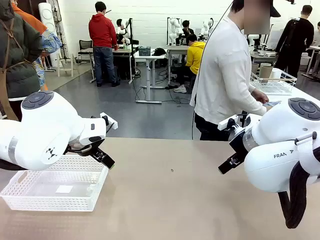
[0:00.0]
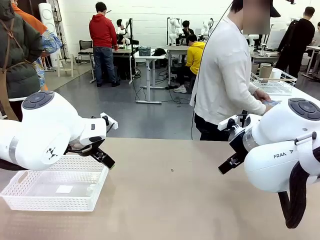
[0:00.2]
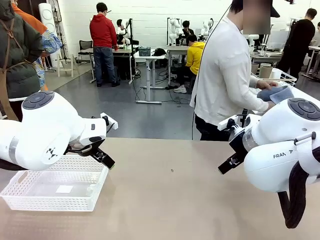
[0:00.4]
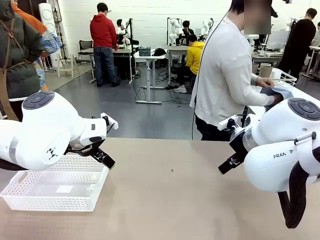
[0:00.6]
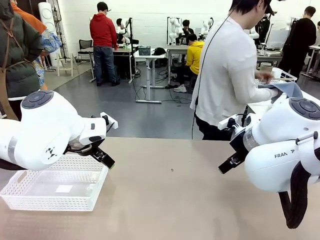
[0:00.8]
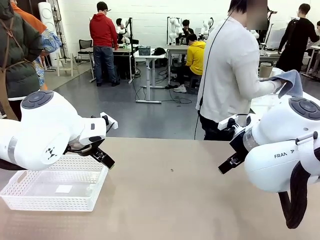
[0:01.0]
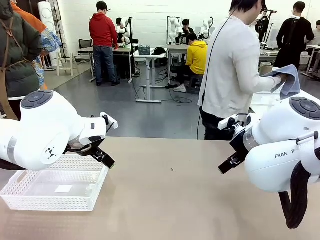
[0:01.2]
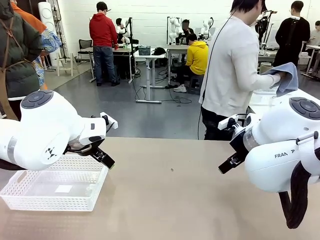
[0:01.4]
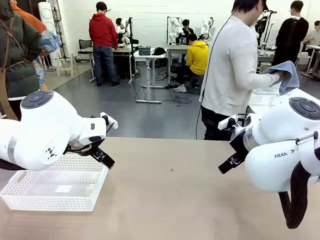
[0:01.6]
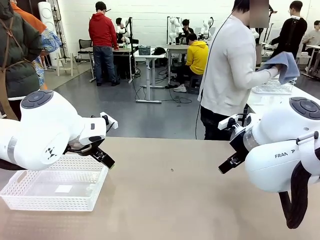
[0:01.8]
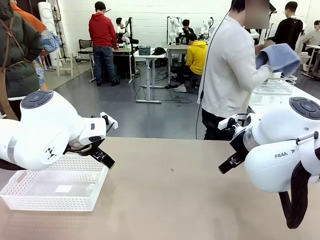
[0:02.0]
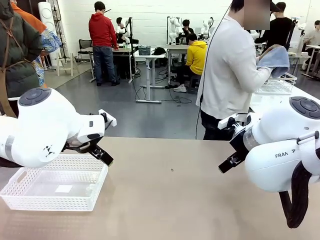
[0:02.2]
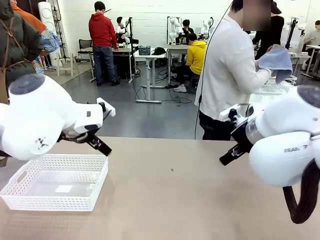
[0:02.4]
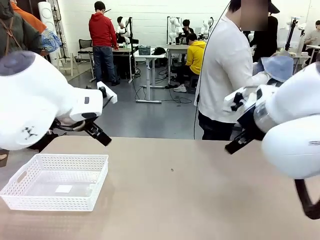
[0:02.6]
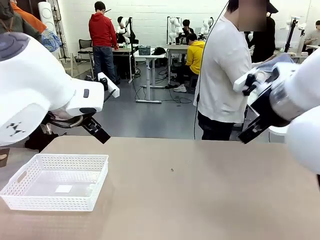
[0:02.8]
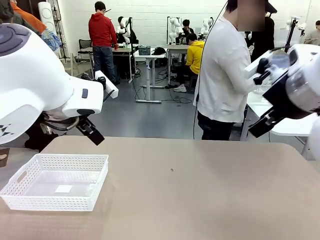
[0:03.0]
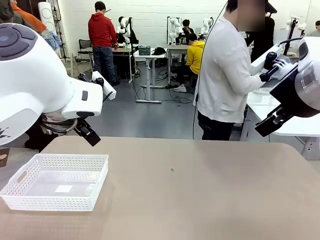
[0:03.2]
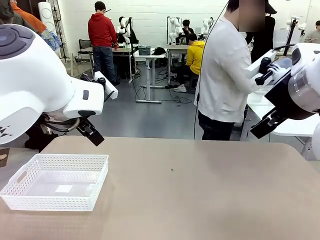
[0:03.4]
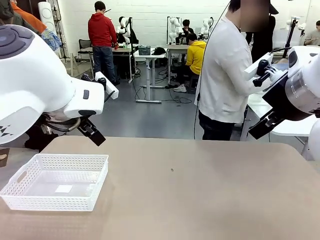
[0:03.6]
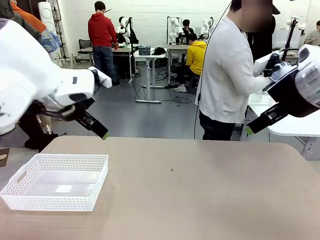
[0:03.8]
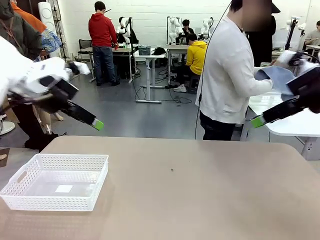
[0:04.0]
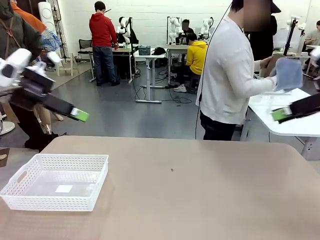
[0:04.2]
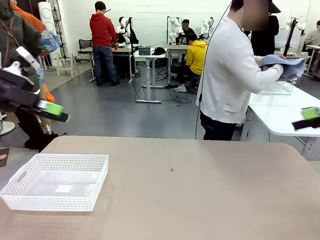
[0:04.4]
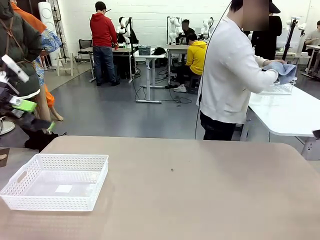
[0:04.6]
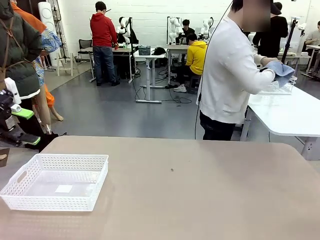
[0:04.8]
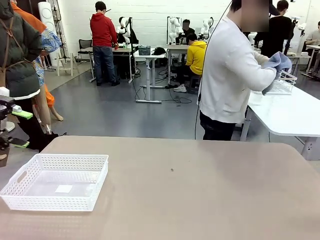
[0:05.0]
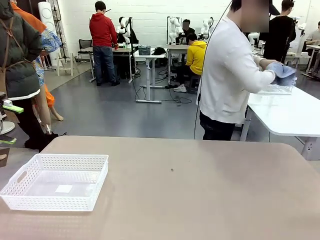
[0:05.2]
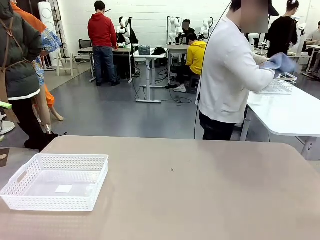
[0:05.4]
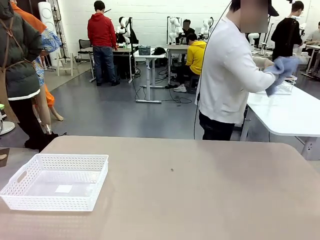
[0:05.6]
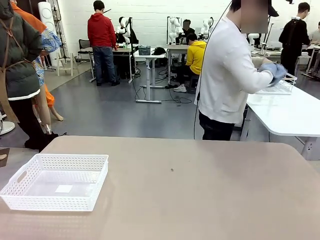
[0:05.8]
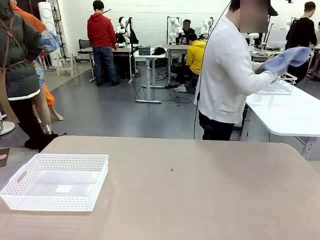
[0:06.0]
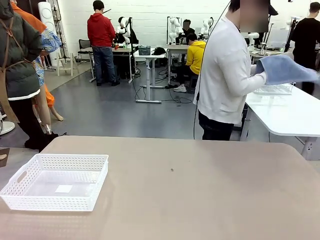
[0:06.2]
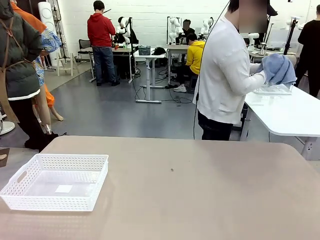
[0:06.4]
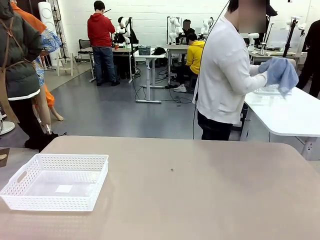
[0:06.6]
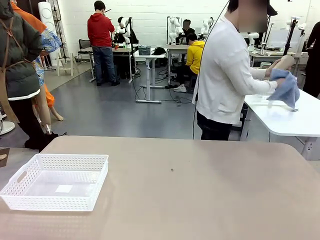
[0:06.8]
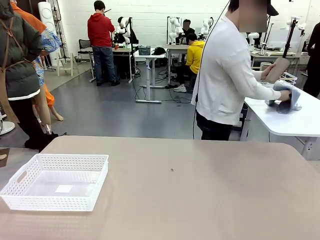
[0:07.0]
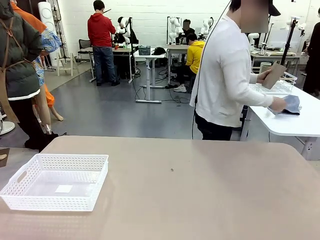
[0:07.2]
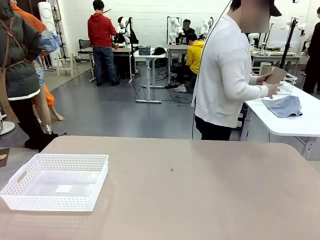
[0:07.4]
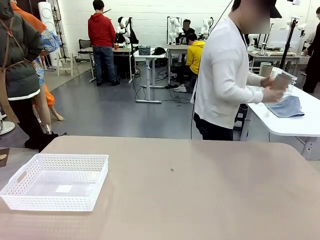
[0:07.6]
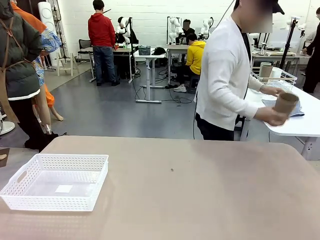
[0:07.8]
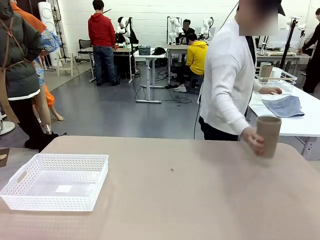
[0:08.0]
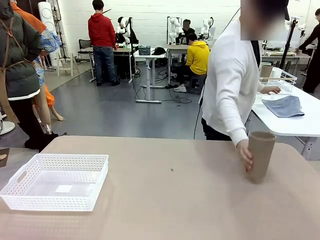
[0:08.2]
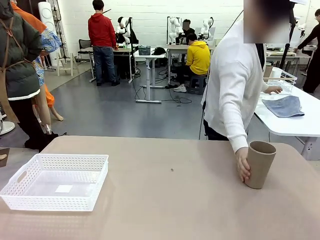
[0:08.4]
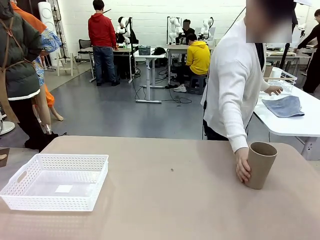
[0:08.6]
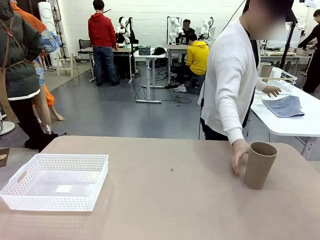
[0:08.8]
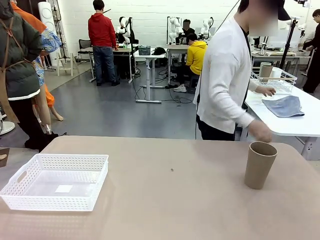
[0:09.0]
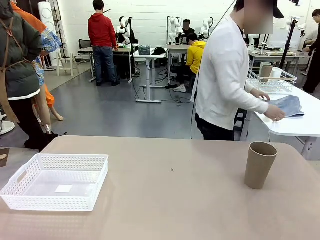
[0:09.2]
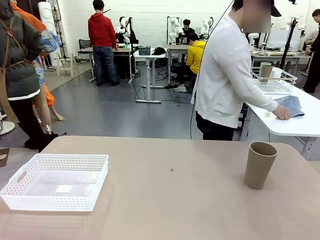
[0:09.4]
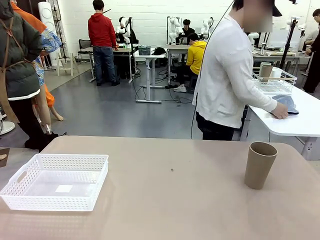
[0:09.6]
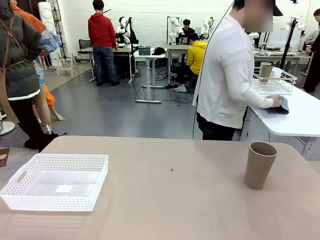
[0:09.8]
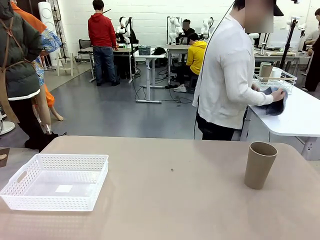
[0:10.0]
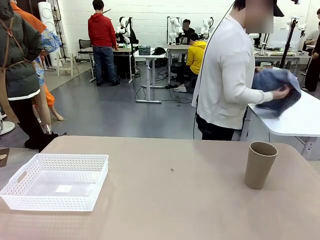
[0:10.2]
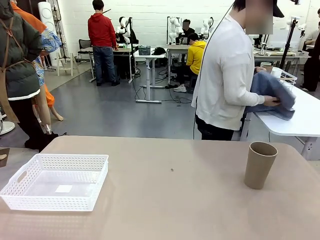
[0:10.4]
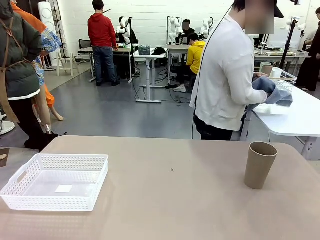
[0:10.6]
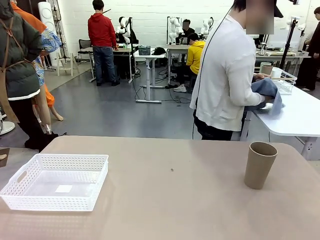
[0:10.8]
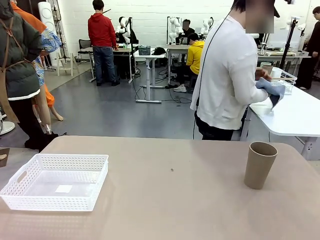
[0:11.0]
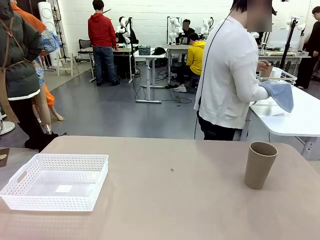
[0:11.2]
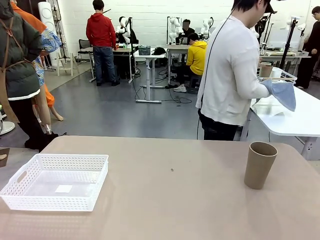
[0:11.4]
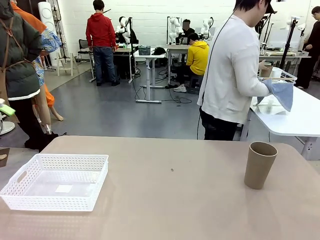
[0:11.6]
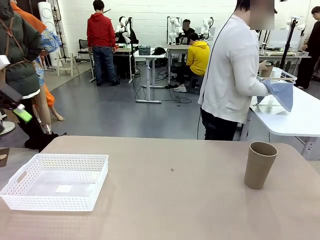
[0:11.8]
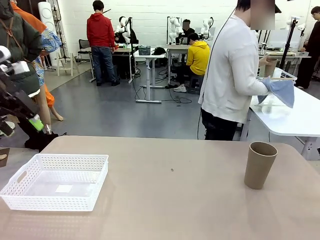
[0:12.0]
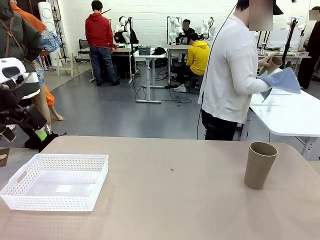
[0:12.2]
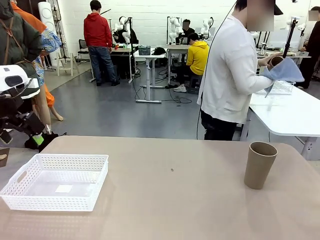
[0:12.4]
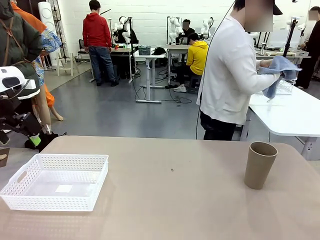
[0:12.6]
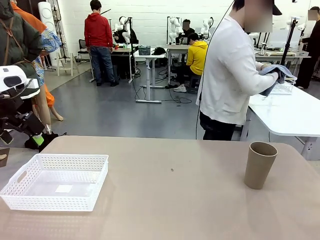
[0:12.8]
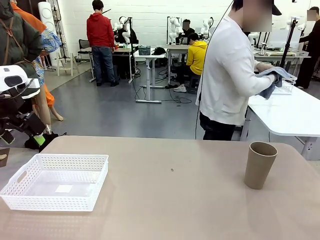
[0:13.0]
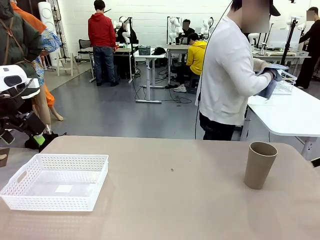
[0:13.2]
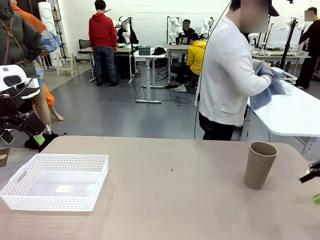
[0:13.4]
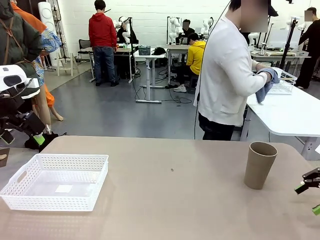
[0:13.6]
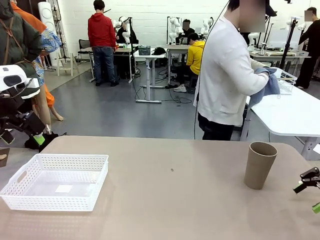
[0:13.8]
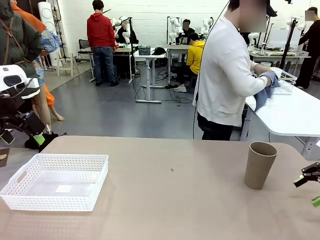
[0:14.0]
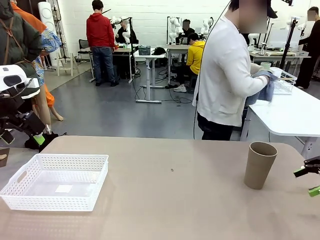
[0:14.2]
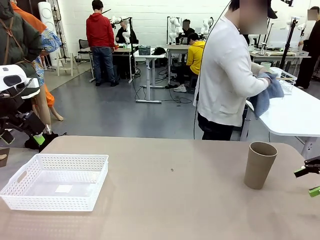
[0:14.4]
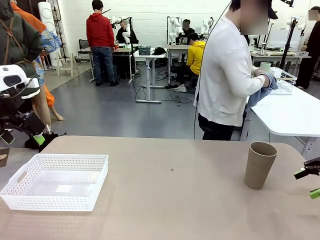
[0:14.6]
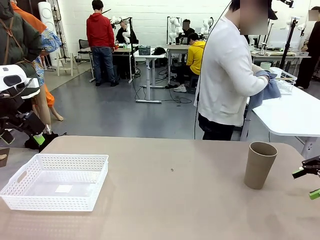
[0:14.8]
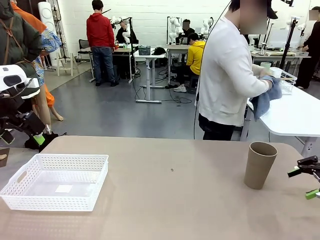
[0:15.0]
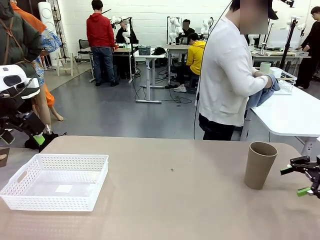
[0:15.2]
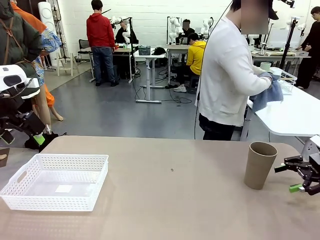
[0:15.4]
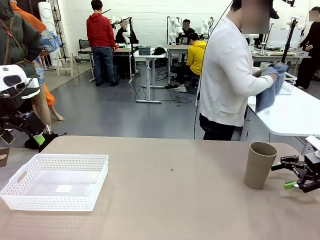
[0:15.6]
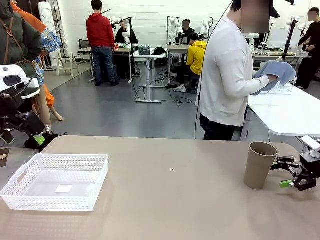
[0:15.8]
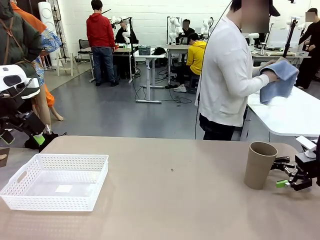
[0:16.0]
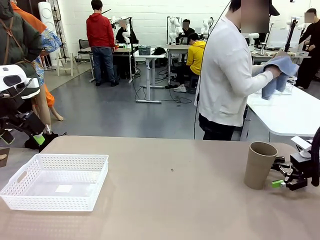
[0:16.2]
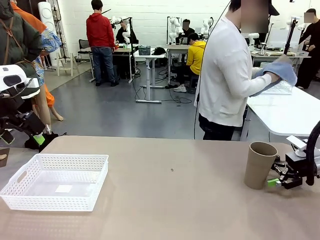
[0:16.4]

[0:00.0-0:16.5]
Task: Clean and organize the cups into the basket.
Robot: Pick up the Organizing basket and move it to the center of the table, then pick up the Reusable plastic cup from the right side of the table and place it inside the Organizing basket.
Person: Picks up a cup and a towel, cleans the cup with the towel, and places it on the left side of the robot table.
